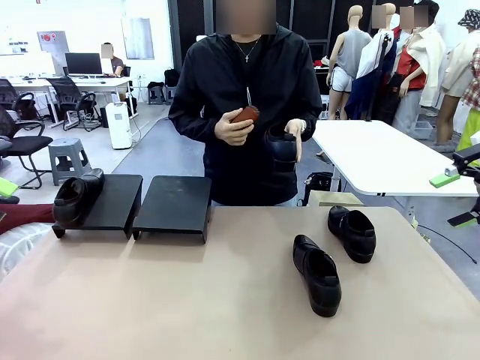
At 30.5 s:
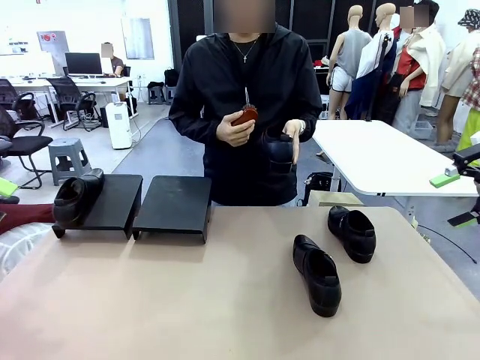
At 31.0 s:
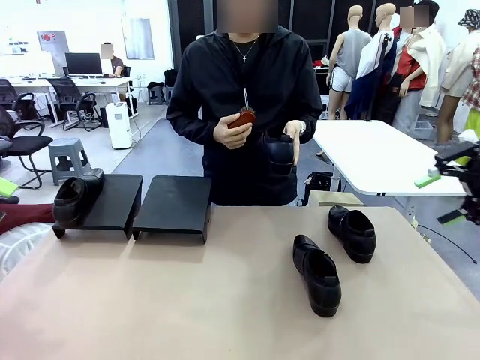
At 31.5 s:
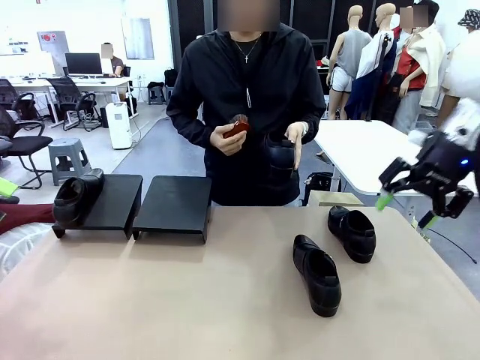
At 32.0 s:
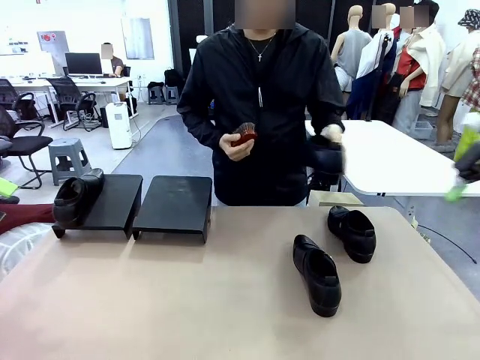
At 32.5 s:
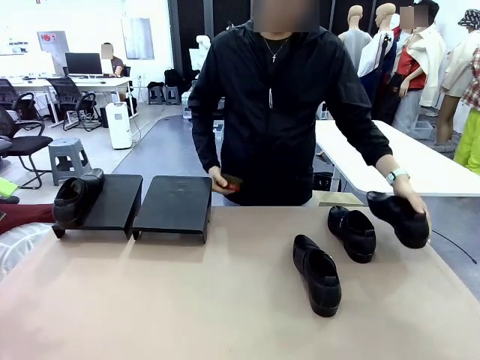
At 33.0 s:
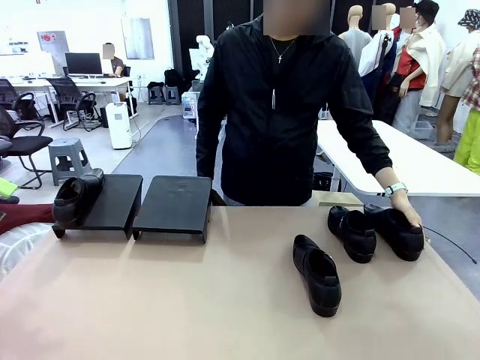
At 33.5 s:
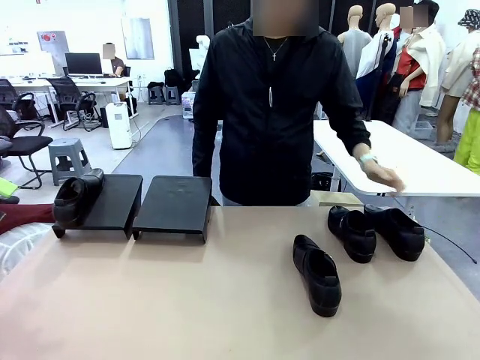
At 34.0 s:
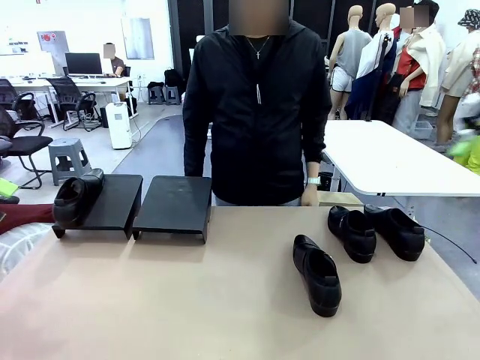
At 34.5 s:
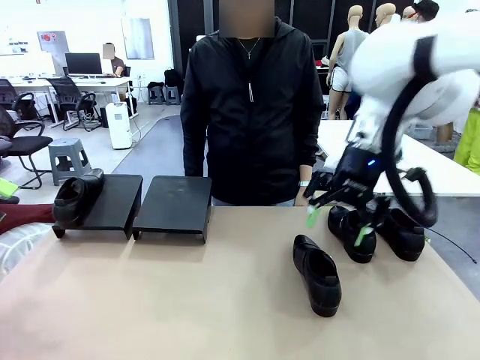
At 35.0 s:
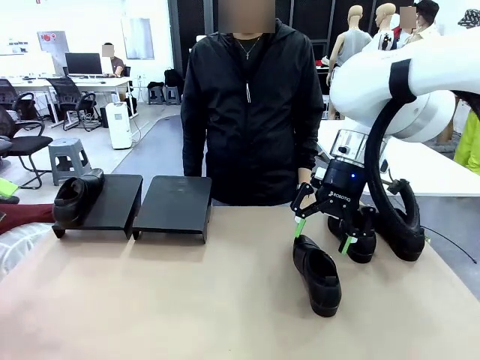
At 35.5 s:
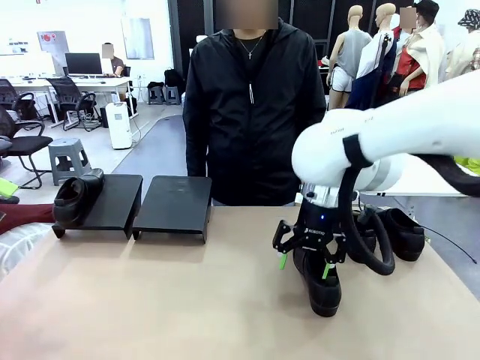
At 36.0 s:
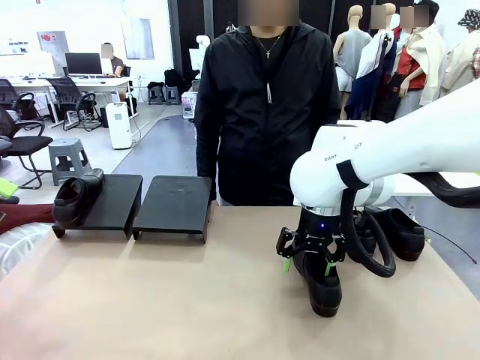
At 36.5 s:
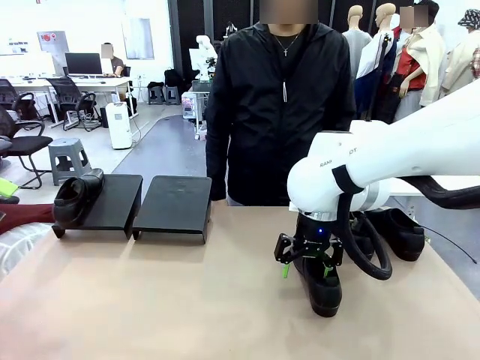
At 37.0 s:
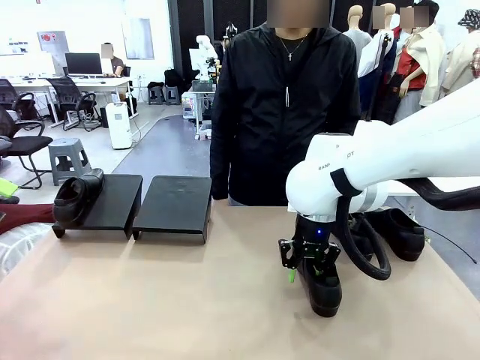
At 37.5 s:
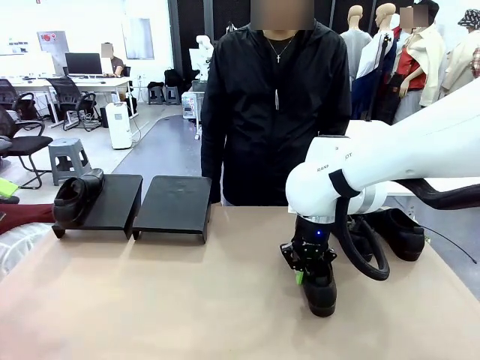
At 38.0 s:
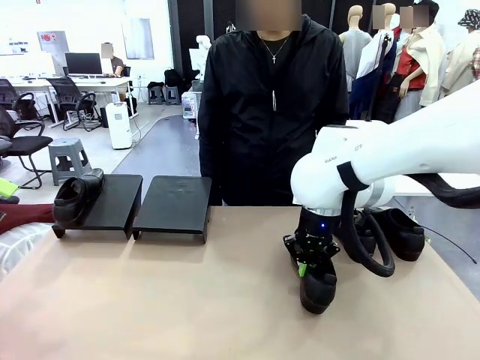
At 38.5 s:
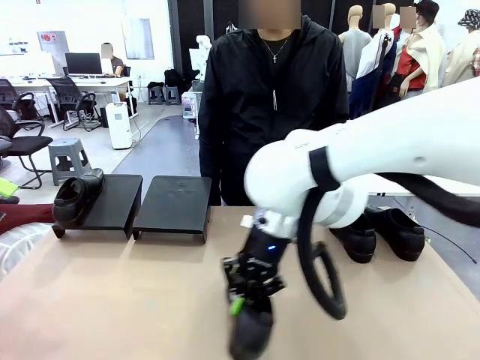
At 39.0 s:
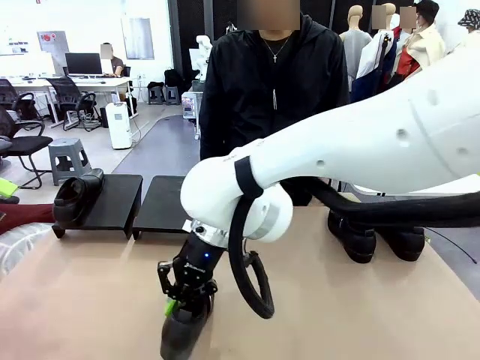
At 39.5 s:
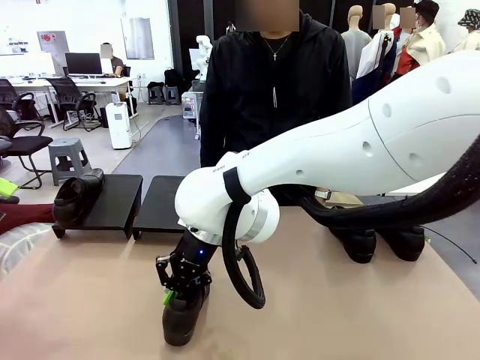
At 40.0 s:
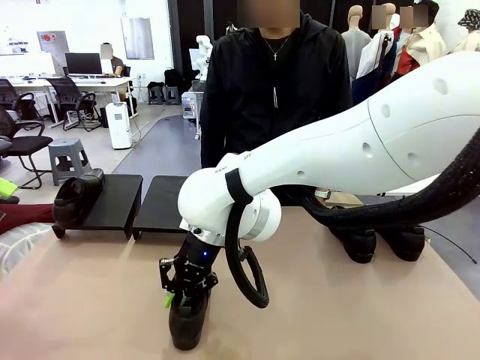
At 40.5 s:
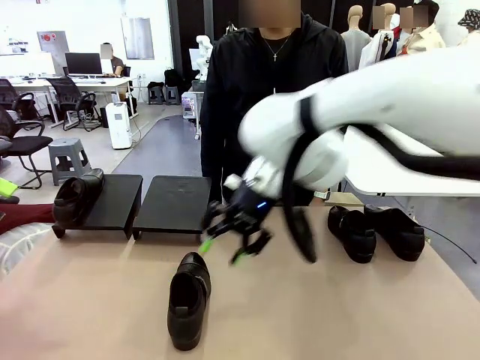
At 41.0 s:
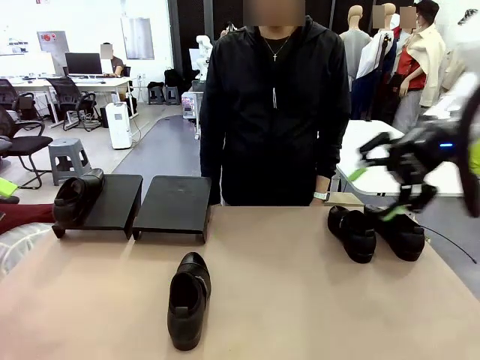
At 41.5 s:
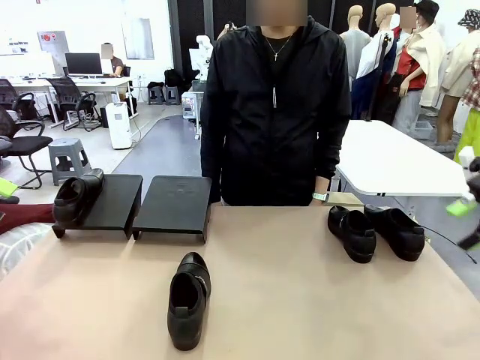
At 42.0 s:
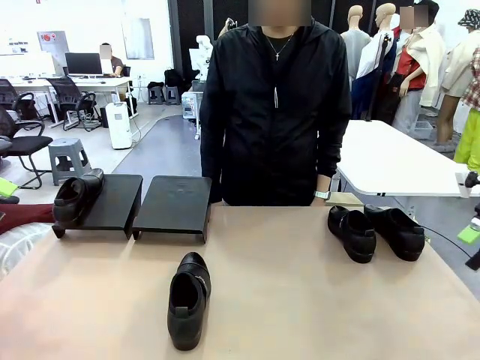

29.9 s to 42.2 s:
Task: Organize the shoes by placing them on the stand.
Robot: Pick up one Shoe and place it in the middle of the table.

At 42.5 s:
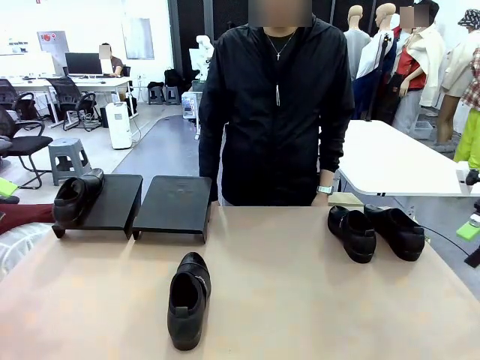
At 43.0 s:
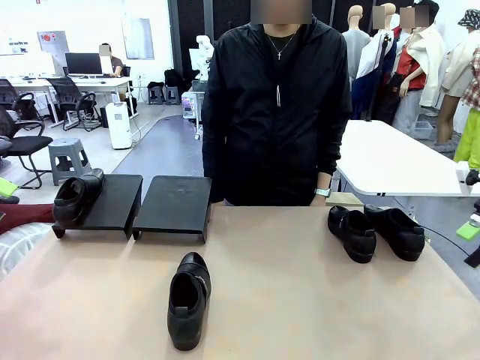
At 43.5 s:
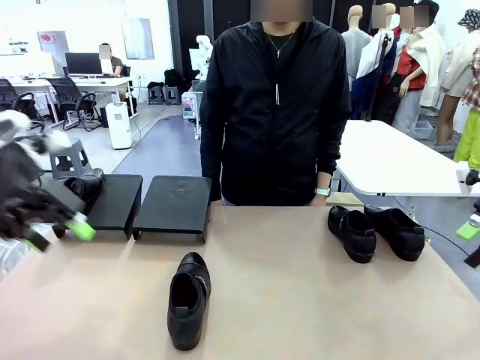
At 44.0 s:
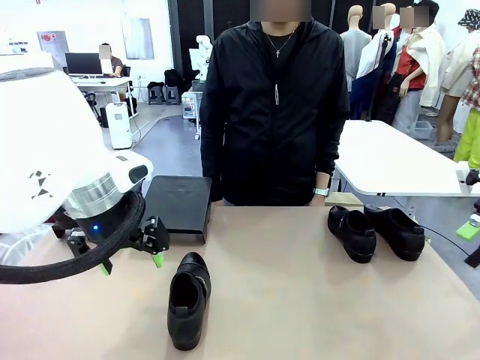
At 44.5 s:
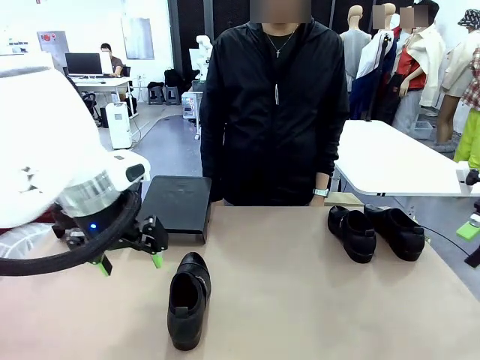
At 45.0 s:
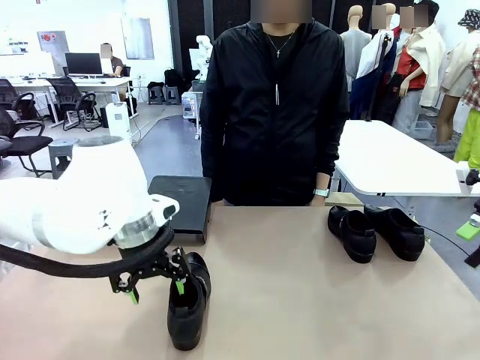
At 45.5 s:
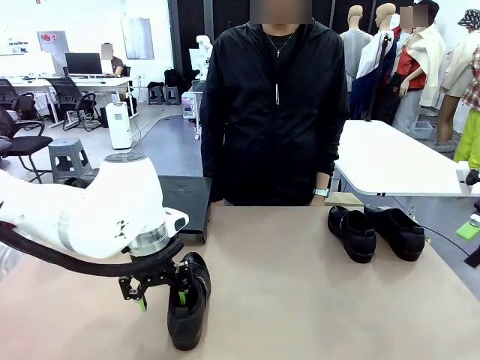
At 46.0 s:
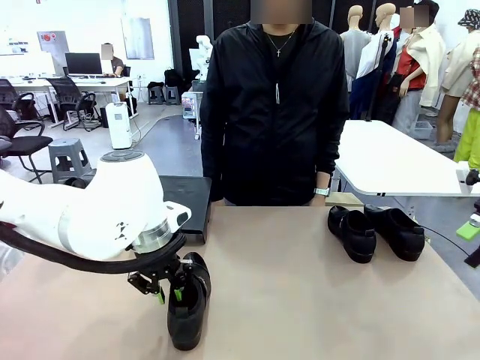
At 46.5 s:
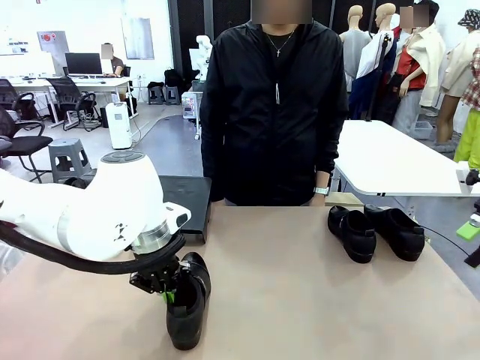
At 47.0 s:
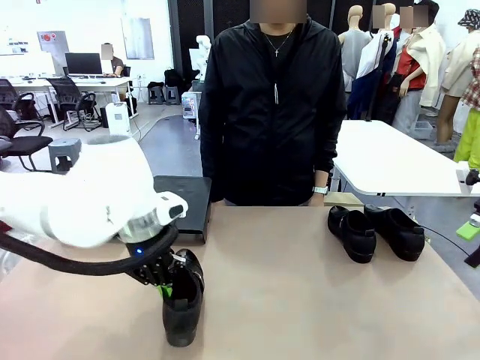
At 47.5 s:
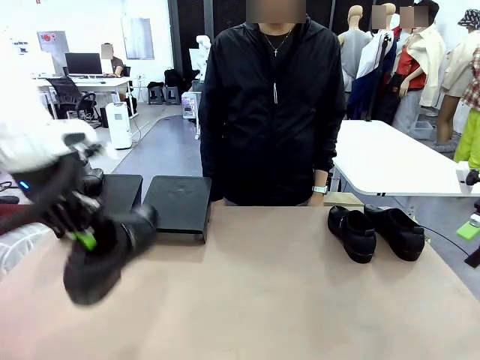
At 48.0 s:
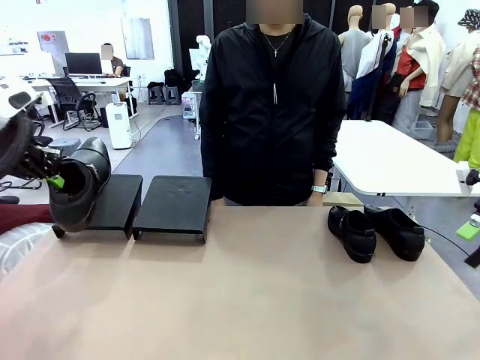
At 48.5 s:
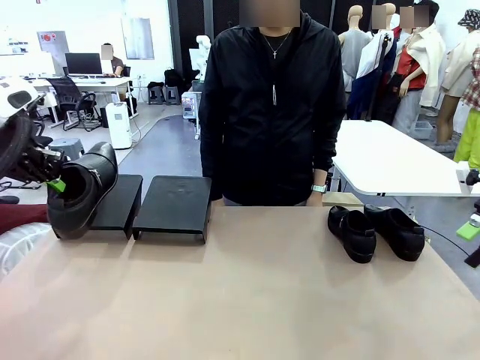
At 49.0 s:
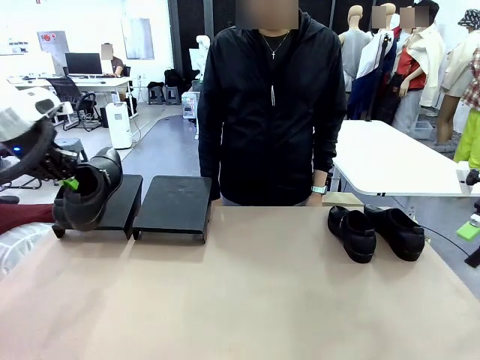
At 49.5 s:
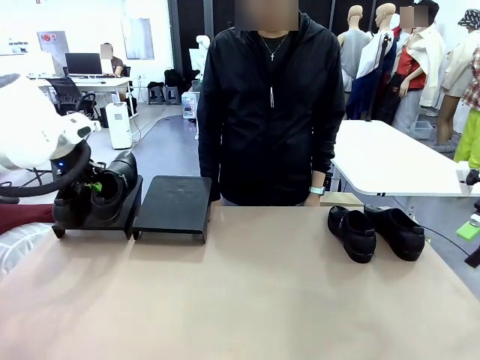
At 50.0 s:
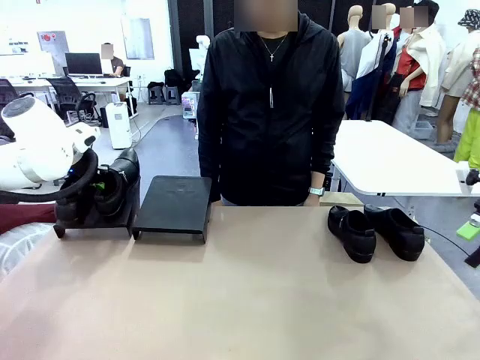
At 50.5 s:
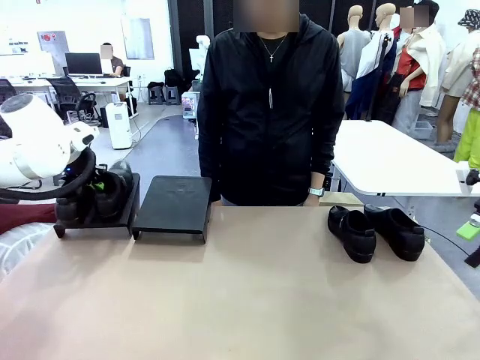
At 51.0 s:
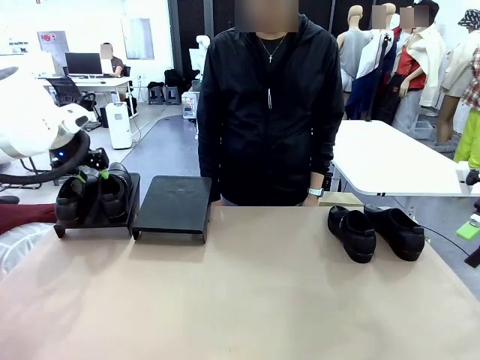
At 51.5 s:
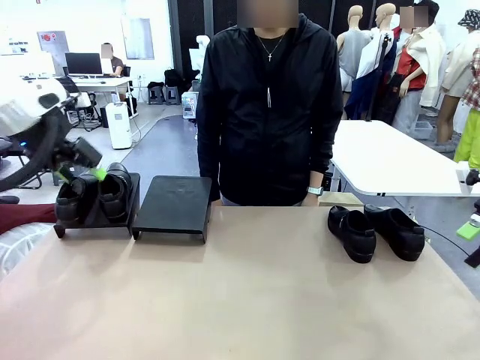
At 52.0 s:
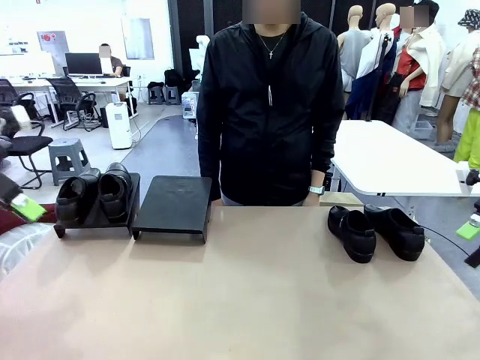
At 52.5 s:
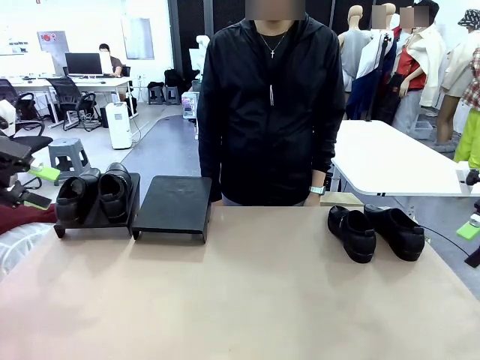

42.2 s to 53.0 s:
Robot: Place the Shoe from the middle of the table onto the Shoes Stand.

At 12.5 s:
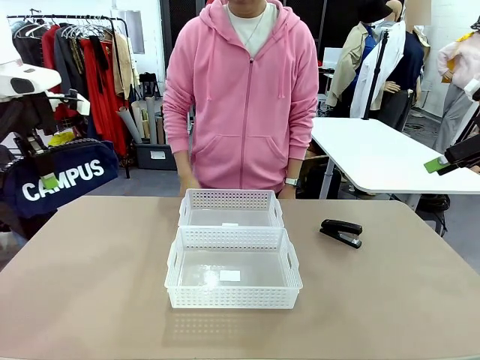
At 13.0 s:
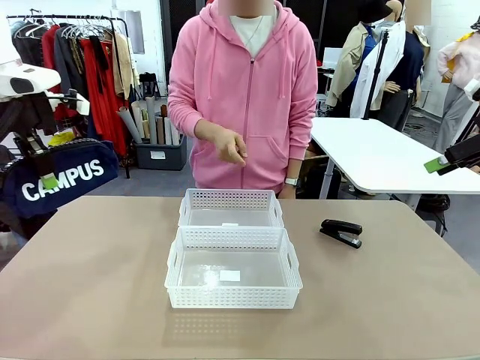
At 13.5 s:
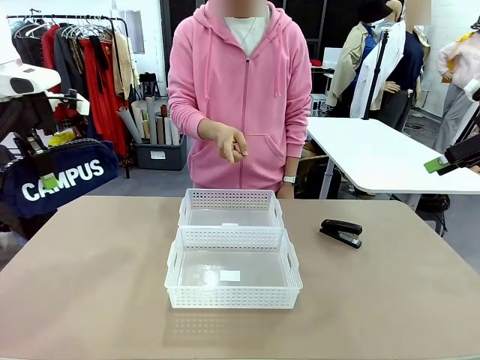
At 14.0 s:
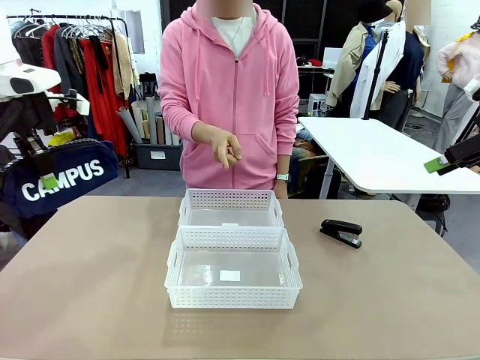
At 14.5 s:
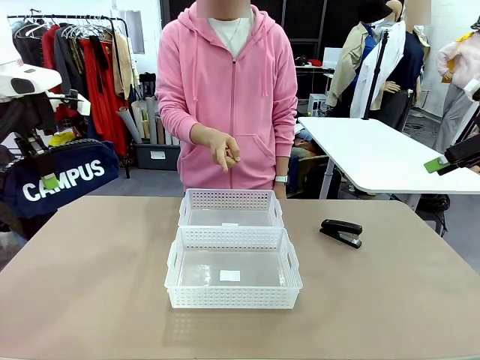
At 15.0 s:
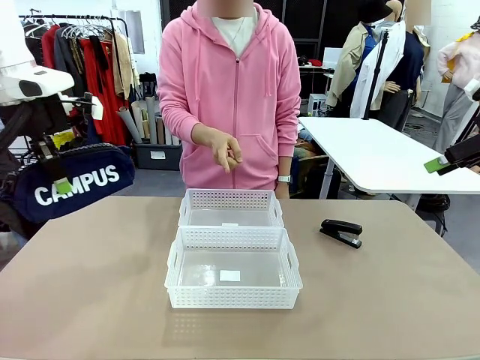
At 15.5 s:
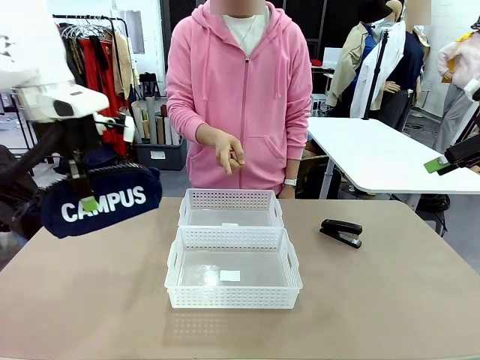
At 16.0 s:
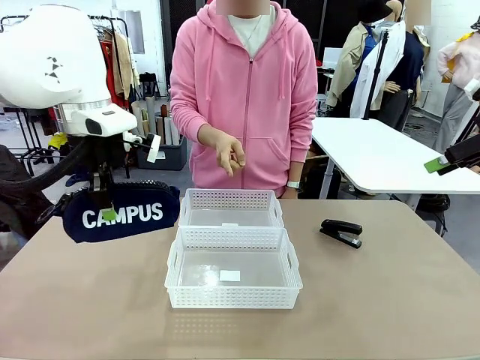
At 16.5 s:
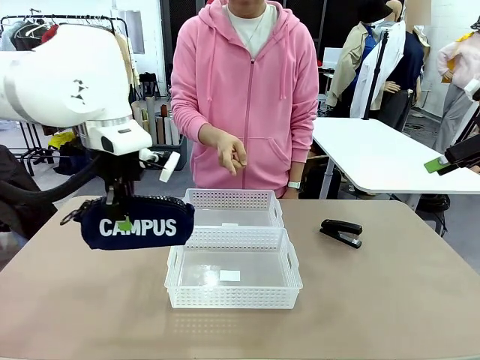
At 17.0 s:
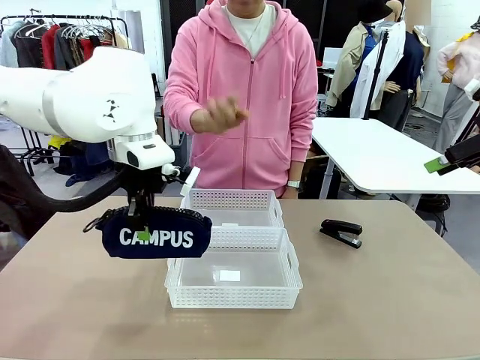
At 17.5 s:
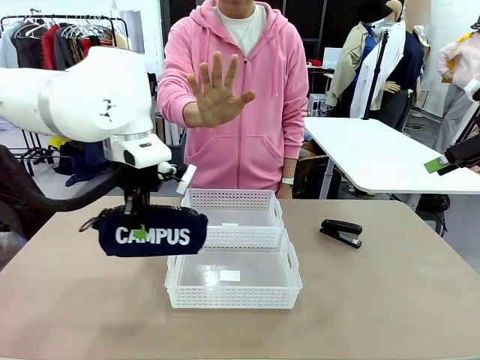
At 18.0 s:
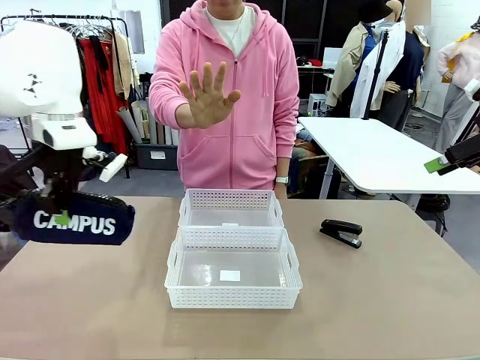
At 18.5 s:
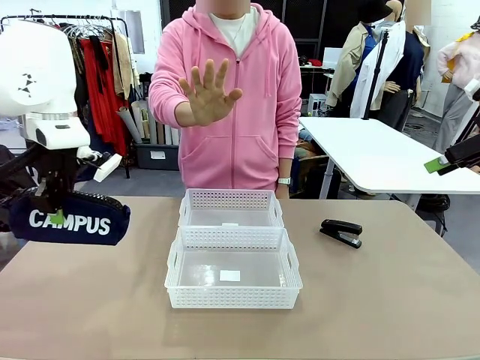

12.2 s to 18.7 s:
Task: Distribute items into two baskets.
Robot: Move the picked Pencil pouch towards the Organizing basket indicated by the person, stopping as directed.
Person: Sends a stop gesture before the robot places the pencil case into the basket.
